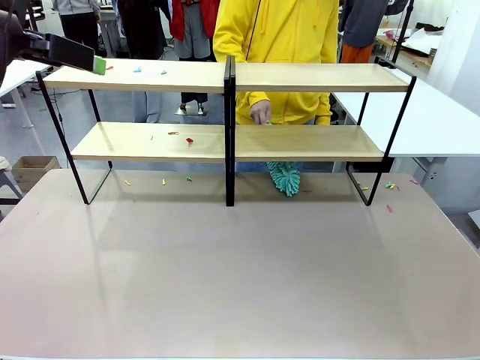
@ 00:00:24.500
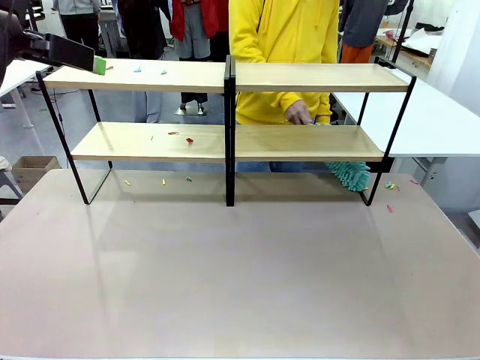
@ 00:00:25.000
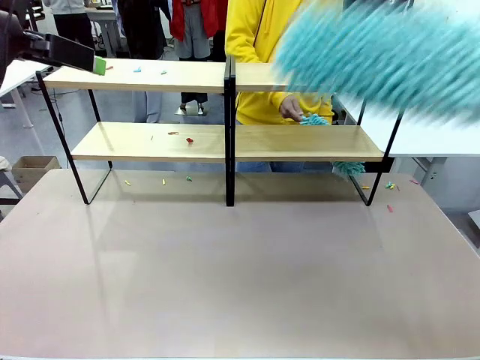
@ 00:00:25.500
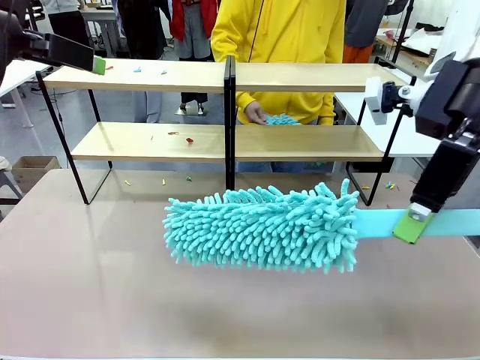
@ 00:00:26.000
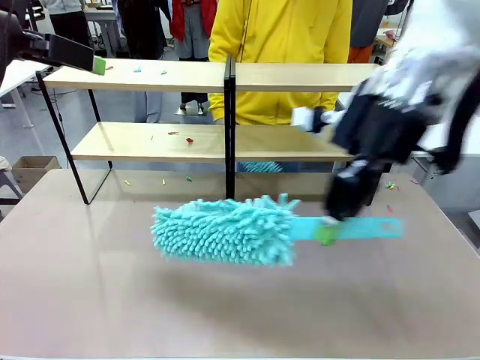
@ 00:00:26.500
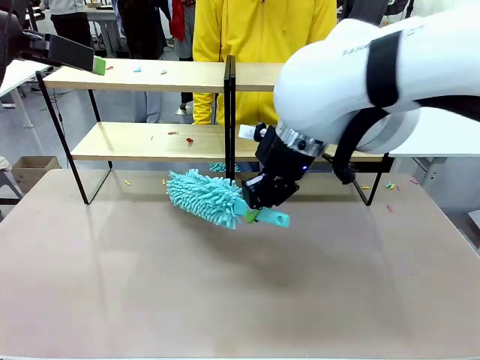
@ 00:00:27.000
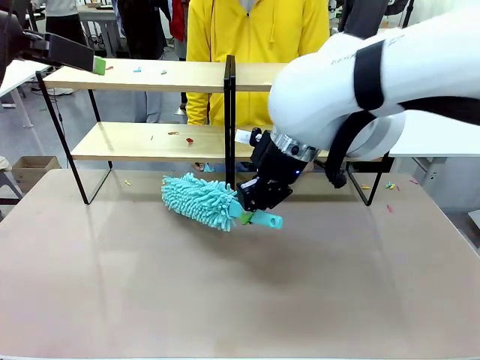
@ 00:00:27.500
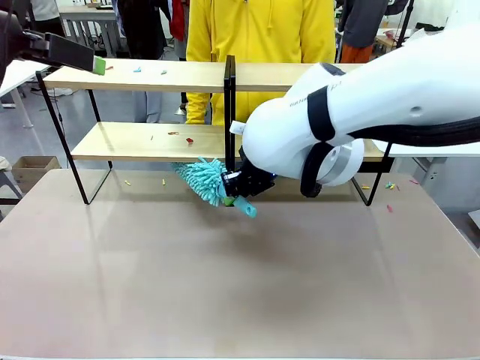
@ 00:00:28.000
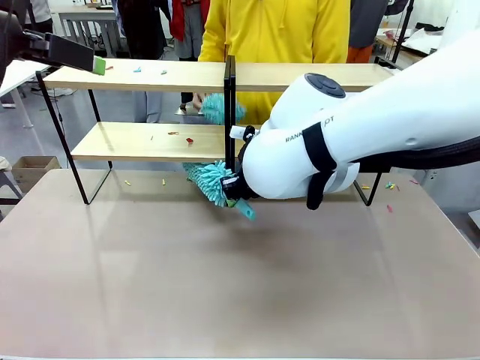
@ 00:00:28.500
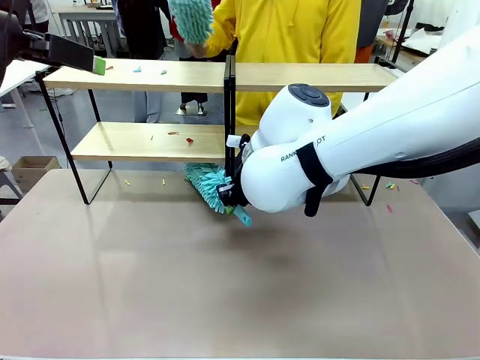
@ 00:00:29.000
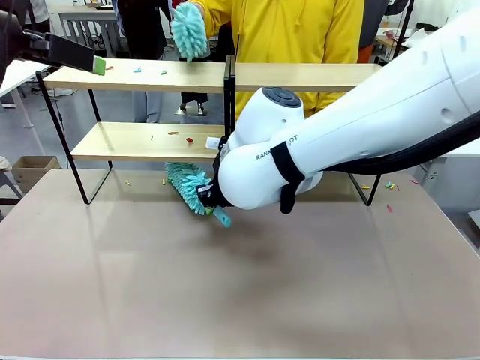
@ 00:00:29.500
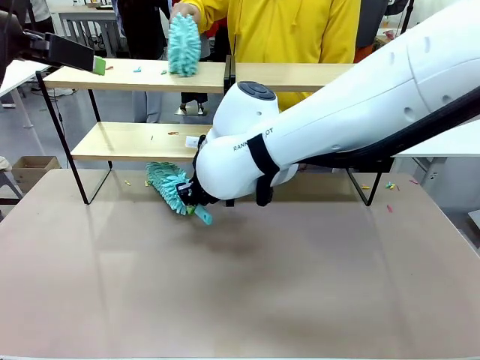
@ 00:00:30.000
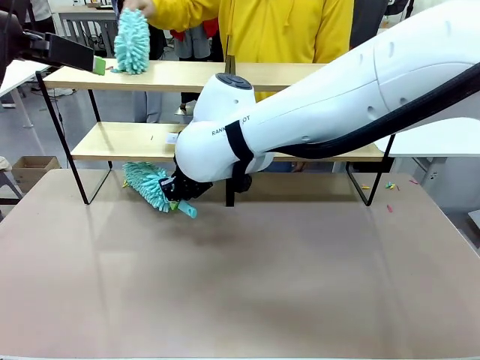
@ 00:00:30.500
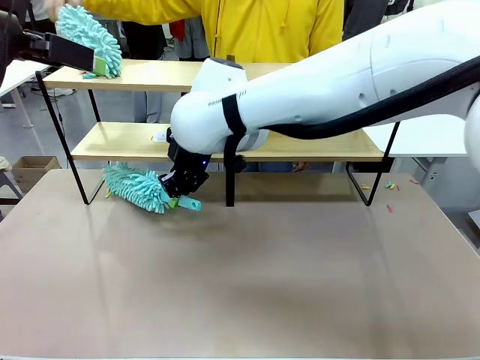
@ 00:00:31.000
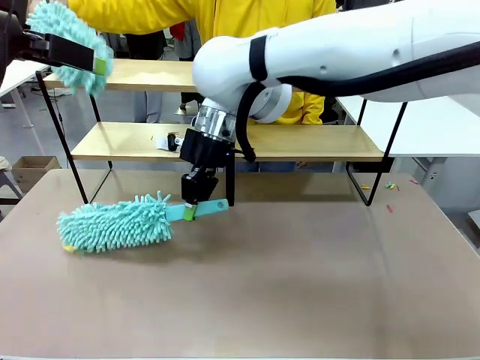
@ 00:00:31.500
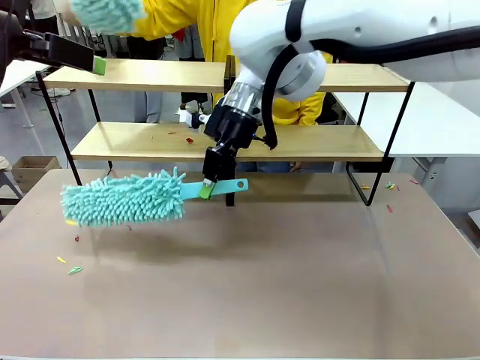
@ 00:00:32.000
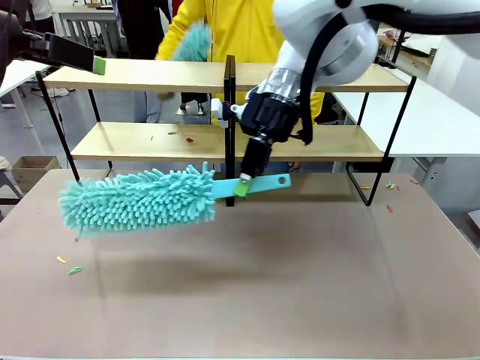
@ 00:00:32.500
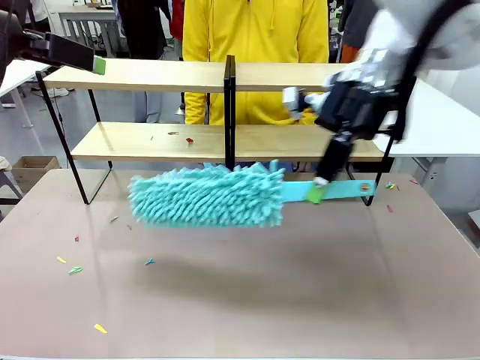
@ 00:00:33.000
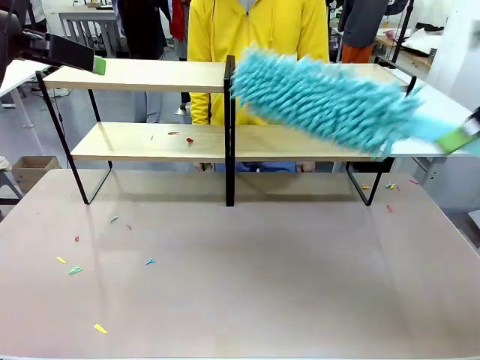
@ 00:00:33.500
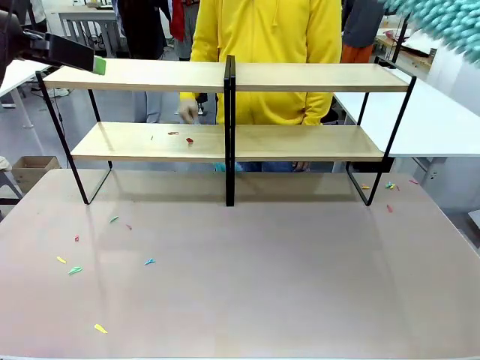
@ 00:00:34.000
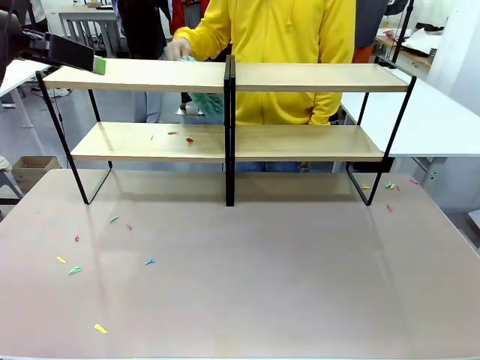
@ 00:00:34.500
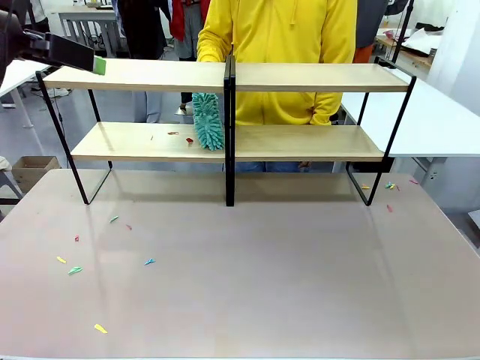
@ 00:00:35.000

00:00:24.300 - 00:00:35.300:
Task: Clean the shelves.
Robot: Clean another randomly selected level of the Shelf with the Duster.

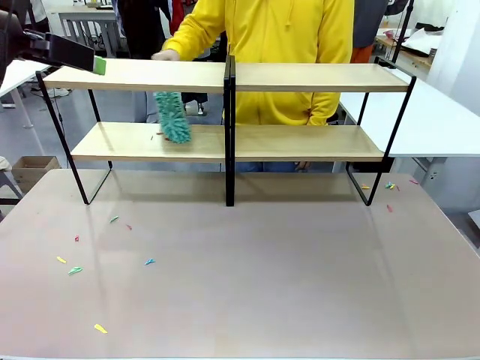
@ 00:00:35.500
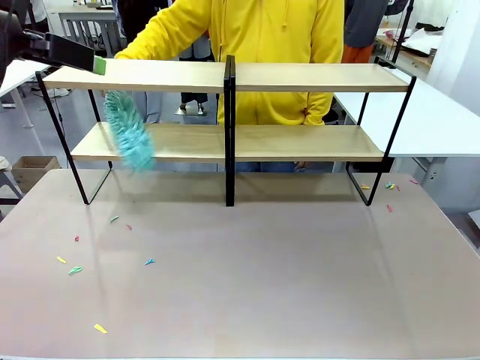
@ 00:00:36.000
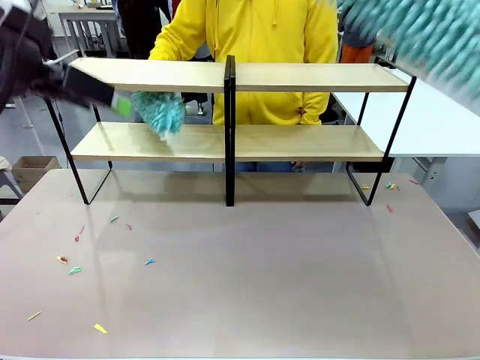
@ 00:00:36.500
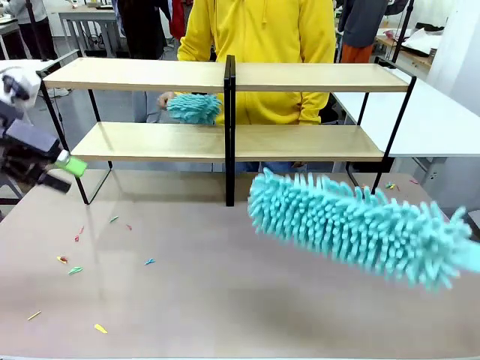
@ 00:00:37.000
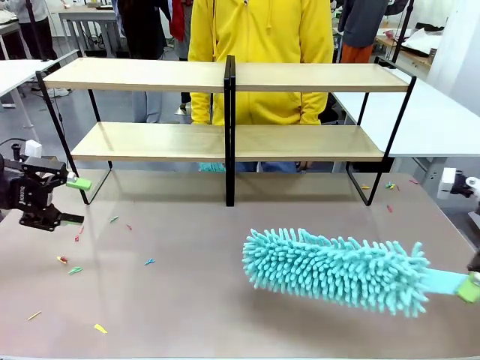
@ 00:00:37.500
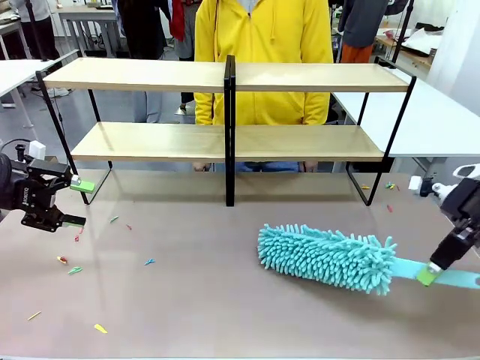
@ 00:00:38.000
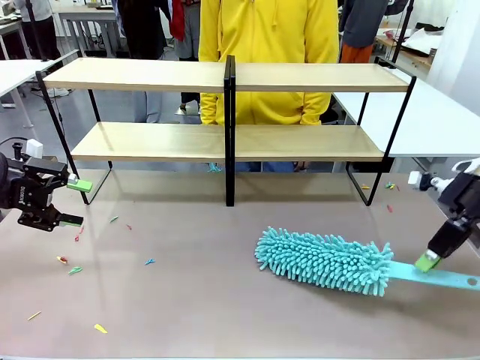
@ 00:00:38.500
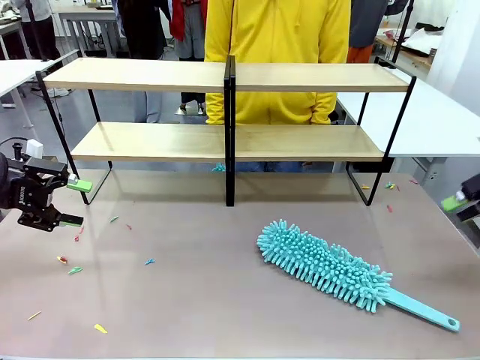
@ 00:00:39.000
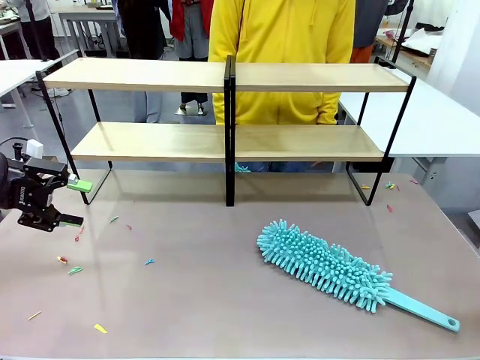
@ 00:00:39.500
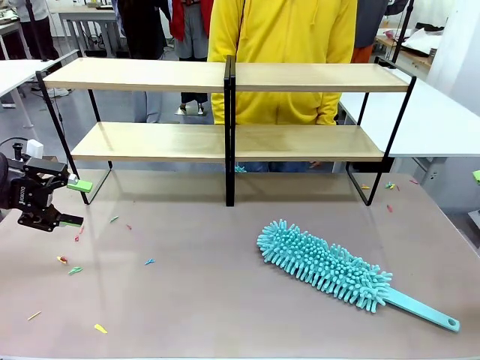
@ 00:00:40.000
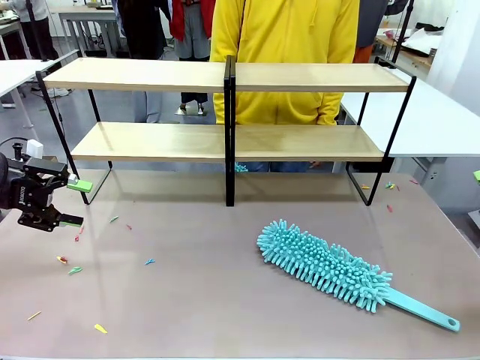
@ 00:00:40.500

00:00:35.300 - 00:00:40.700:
Robot: Place the Duster on the table.

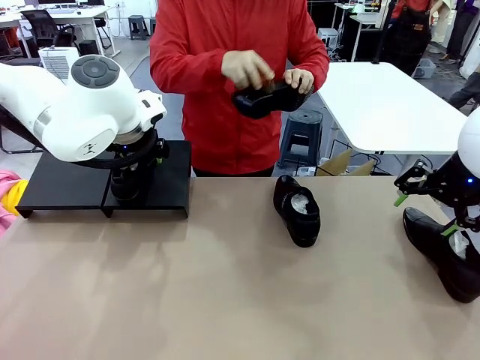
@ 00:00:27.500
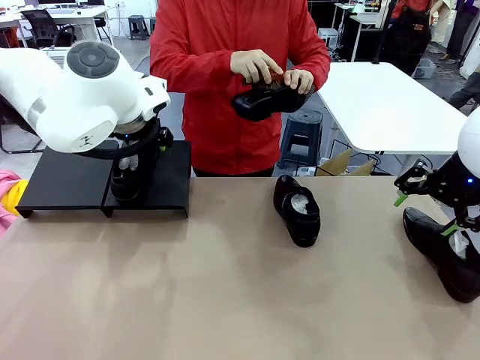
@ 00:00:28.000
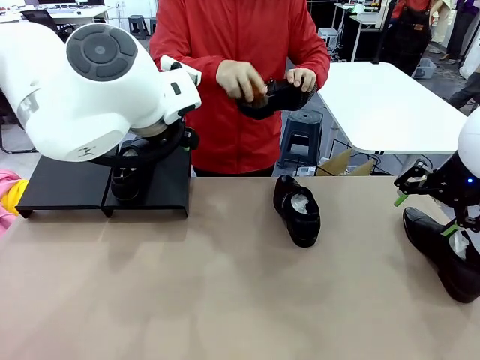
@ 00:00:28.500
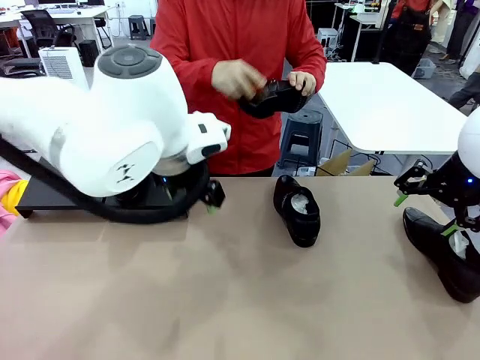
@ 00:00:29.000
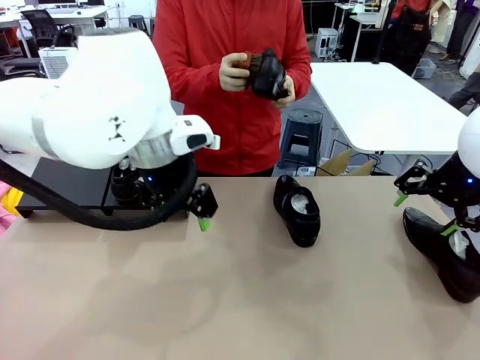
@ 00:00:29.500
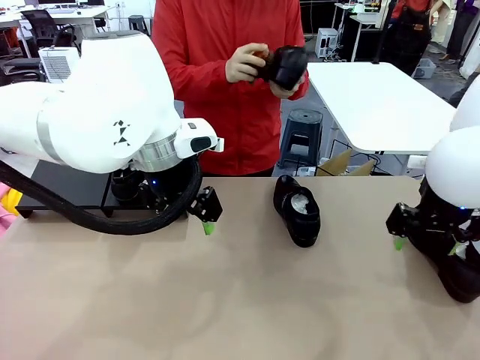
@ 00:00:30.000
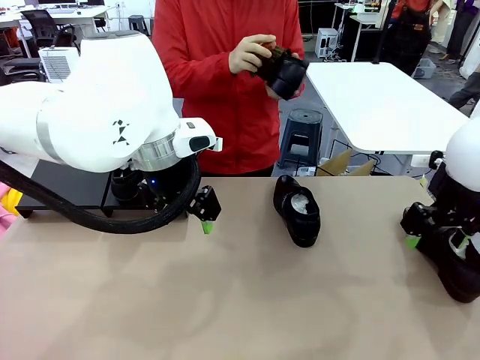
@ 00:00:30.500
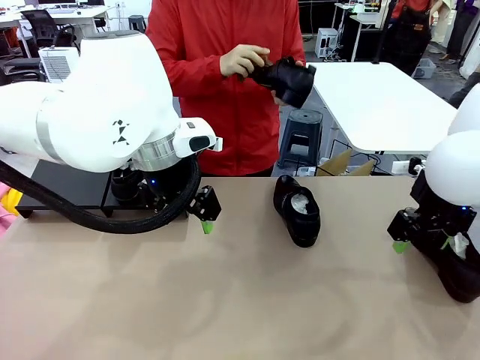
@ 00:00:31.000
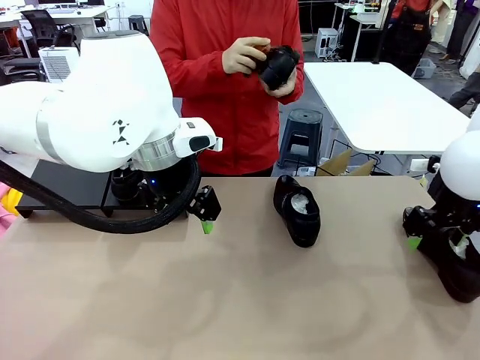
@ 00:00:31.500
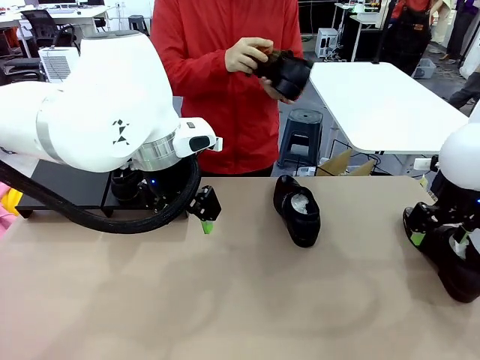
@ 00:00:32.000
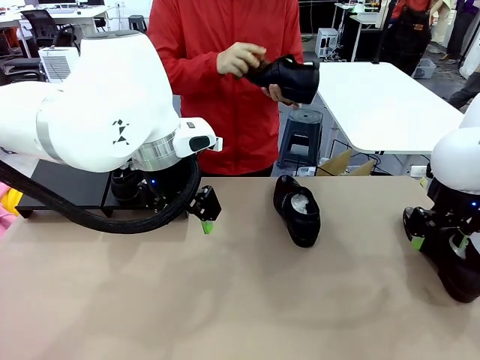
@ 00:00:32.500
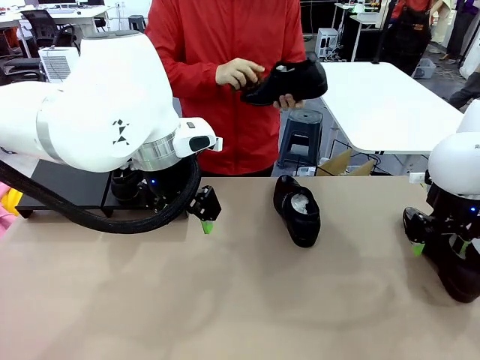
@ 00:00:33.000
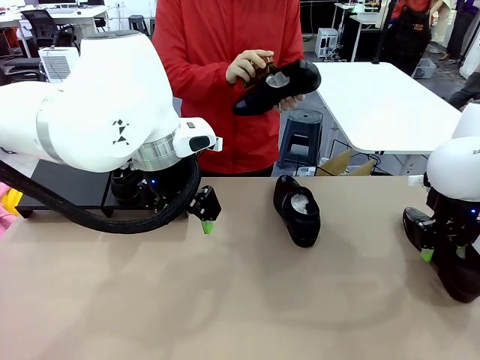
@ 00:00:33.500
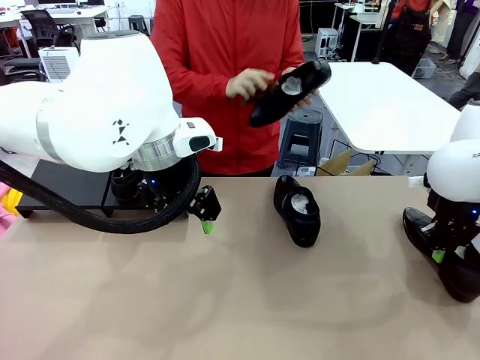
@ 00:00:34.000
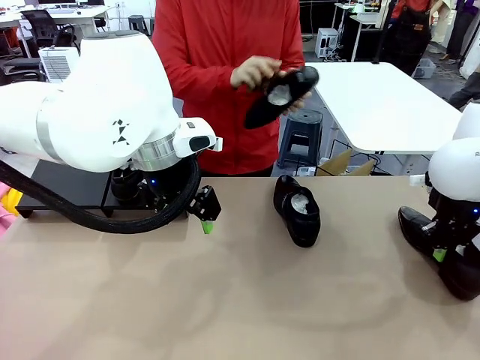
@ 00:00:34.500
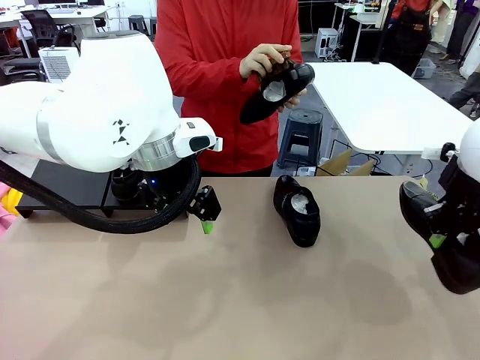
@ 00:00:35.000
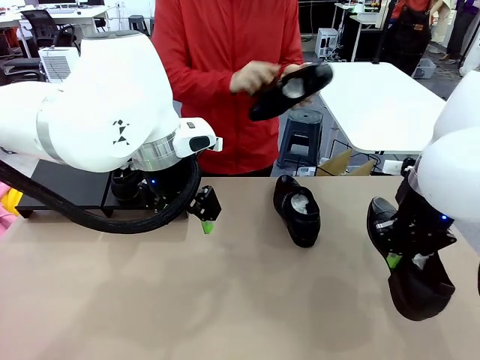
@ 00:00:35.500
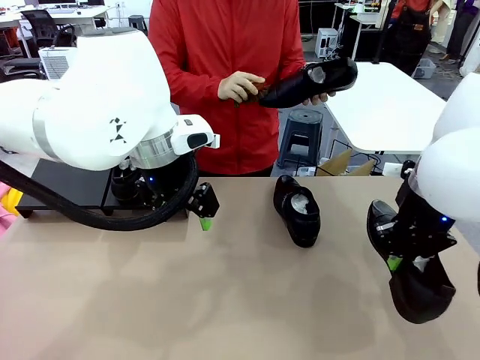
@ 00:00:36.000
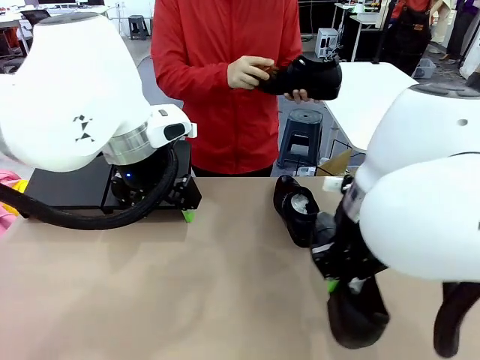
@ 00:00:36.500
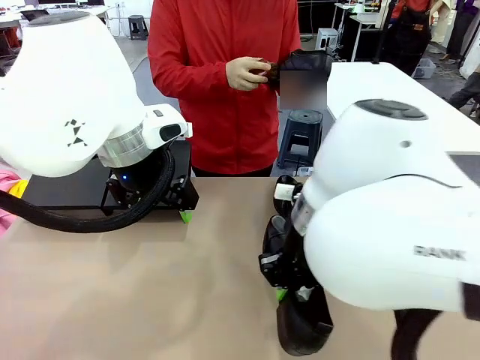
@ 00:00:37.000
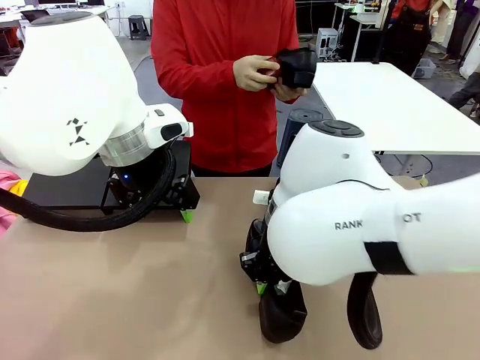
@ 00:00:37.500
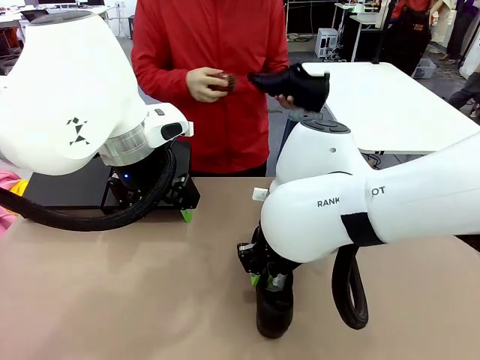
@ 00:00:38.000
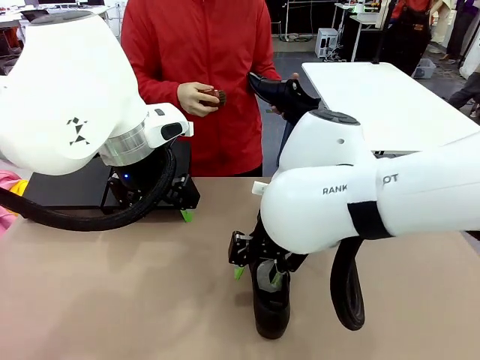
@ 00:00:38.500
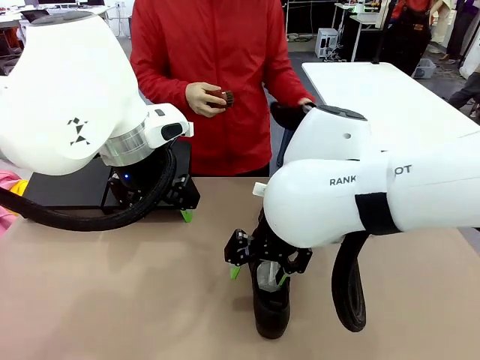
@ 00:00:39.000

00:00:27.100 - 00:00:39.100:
Task: Organize the shoes by placing them on the stand.
Robot: Pick up one Shoe and place it in the middle of the table.
Person: Clean the Shoe with the Shoe Brush.
